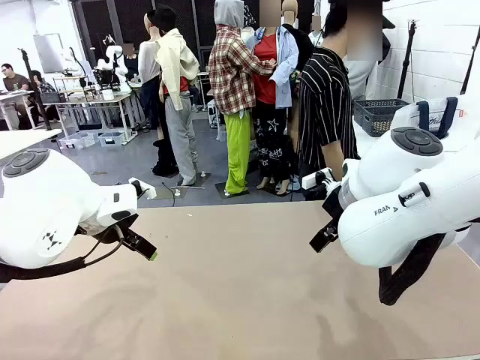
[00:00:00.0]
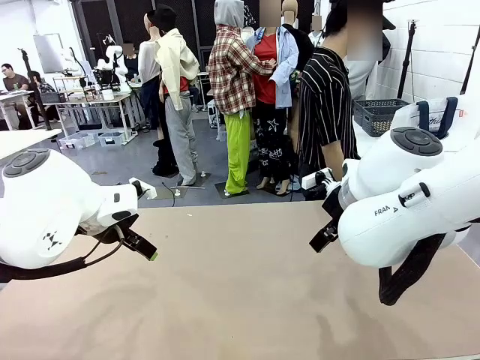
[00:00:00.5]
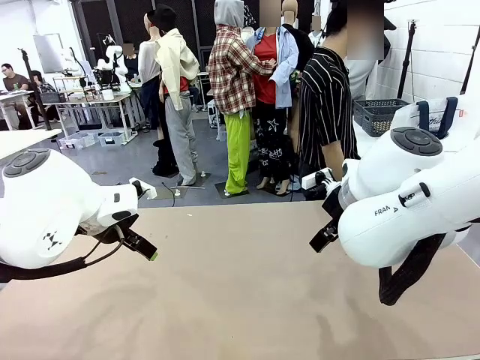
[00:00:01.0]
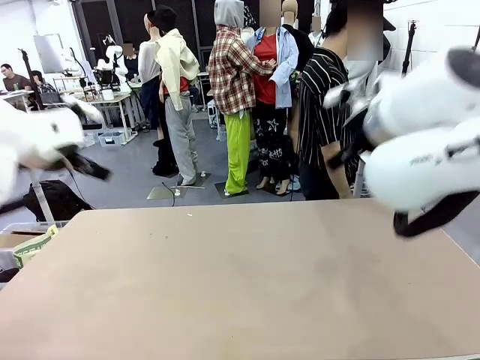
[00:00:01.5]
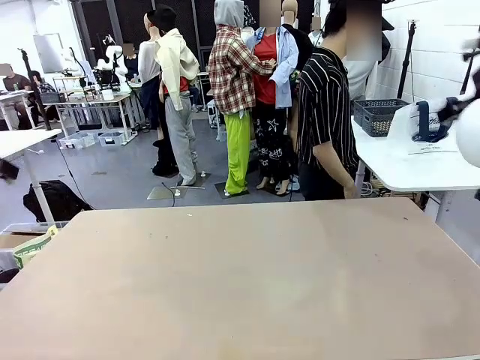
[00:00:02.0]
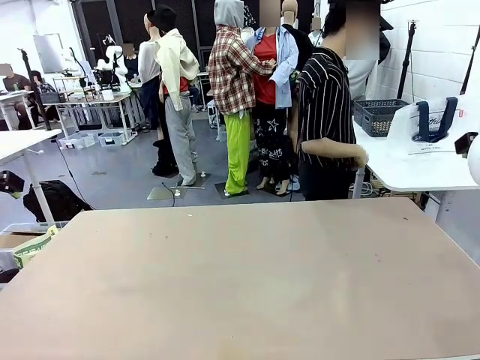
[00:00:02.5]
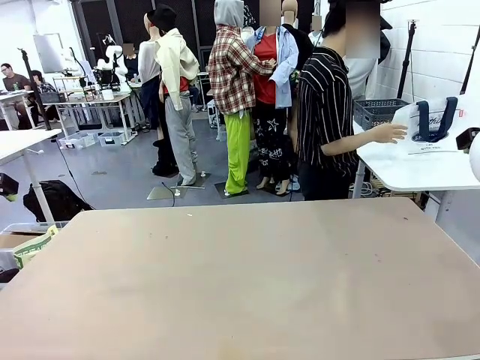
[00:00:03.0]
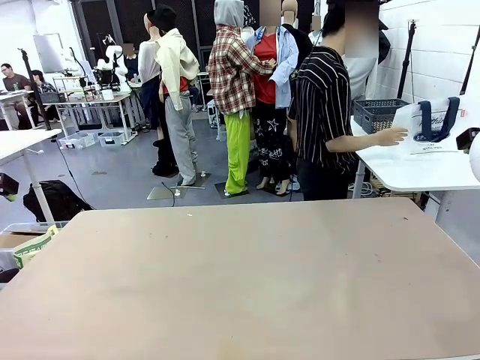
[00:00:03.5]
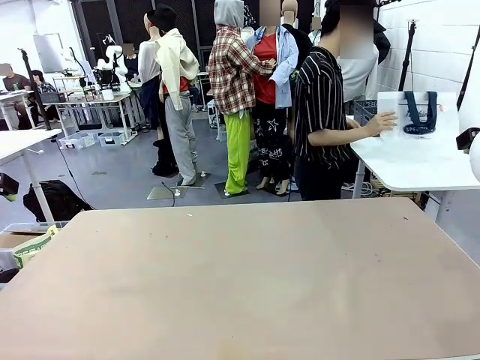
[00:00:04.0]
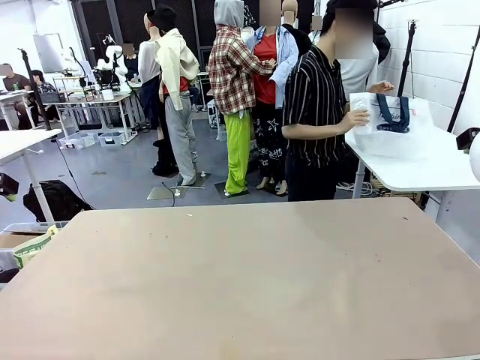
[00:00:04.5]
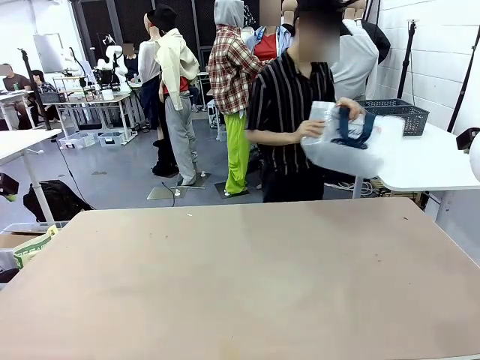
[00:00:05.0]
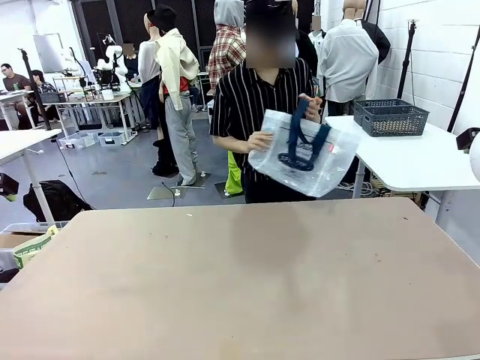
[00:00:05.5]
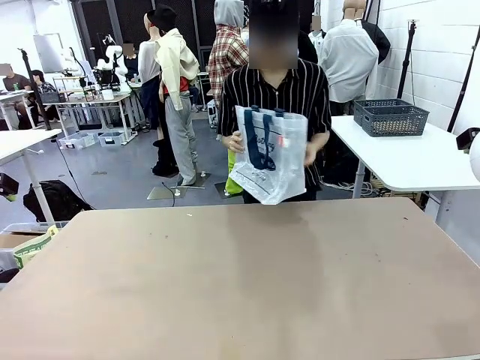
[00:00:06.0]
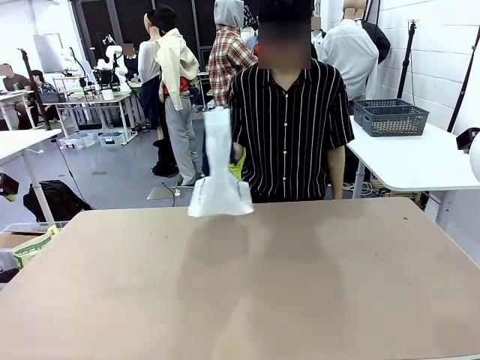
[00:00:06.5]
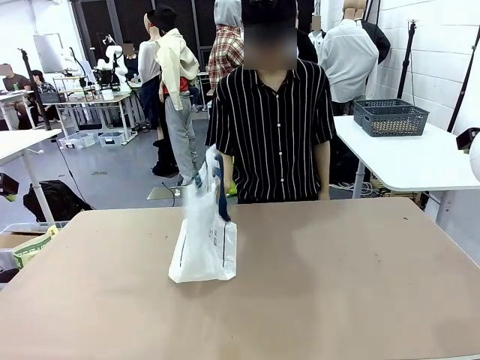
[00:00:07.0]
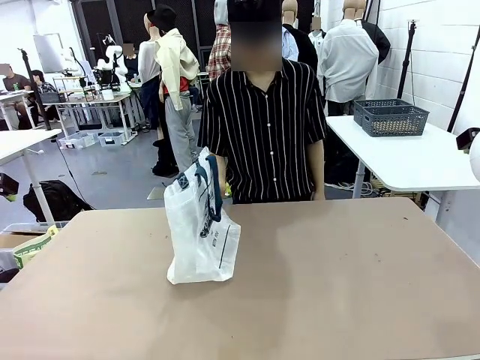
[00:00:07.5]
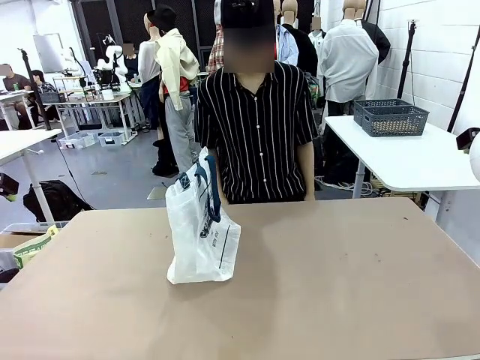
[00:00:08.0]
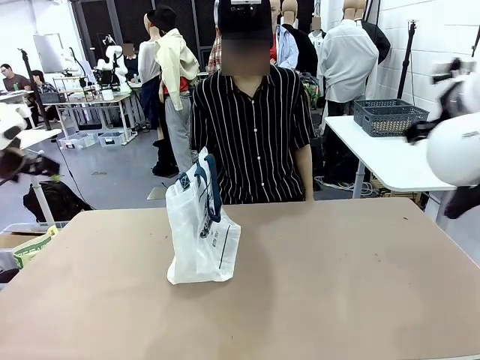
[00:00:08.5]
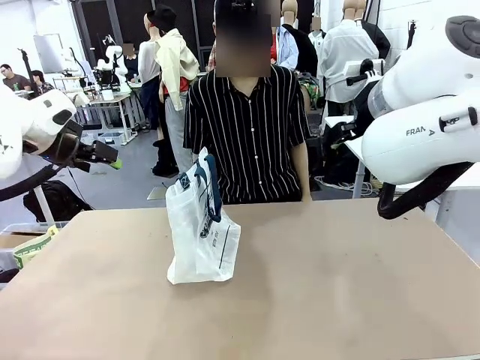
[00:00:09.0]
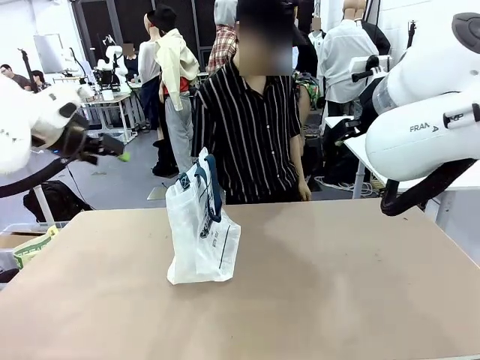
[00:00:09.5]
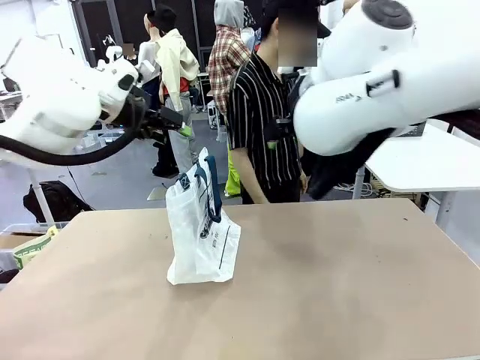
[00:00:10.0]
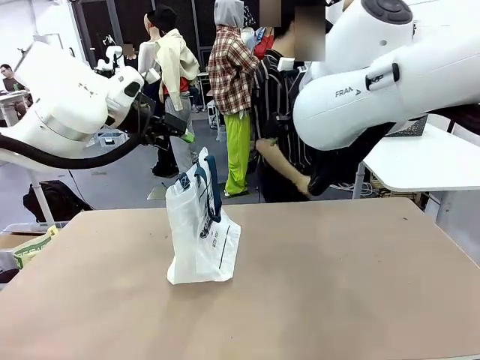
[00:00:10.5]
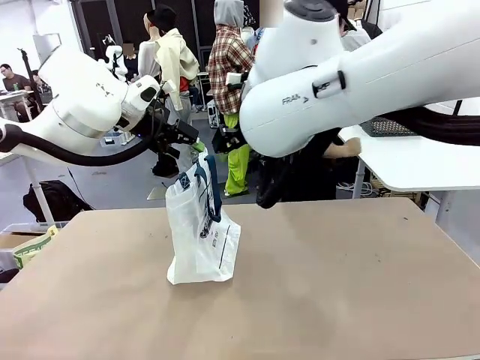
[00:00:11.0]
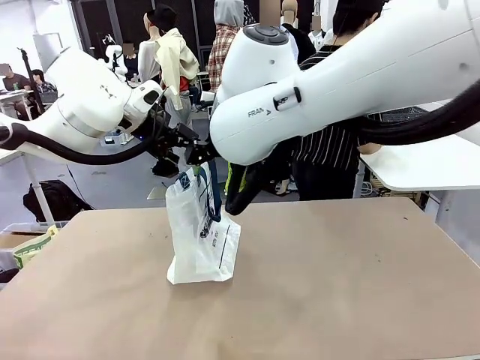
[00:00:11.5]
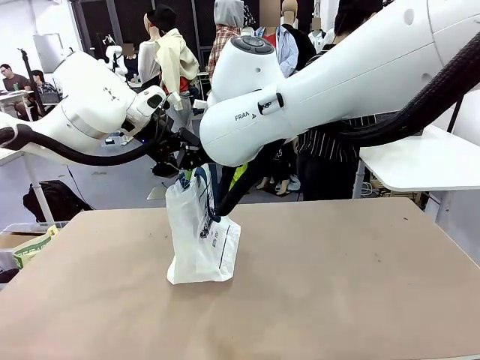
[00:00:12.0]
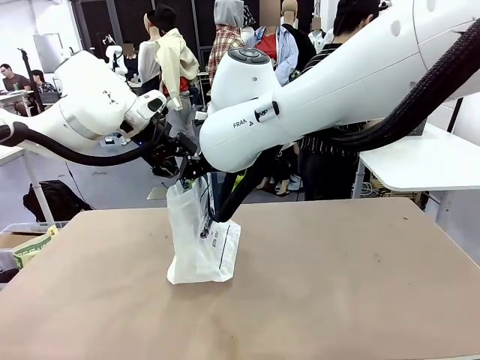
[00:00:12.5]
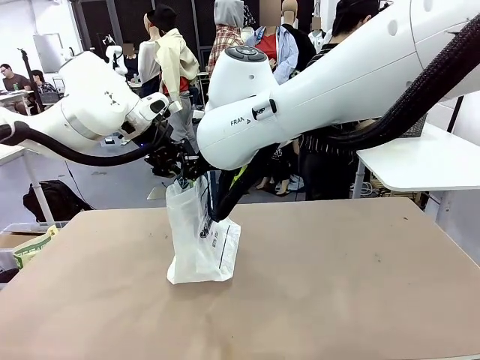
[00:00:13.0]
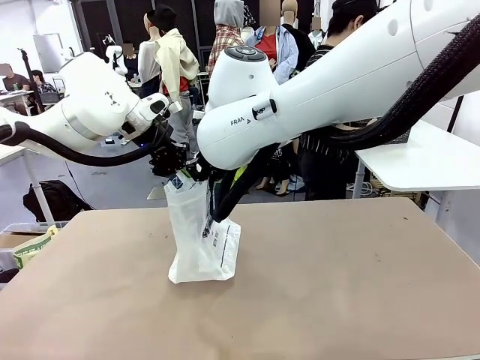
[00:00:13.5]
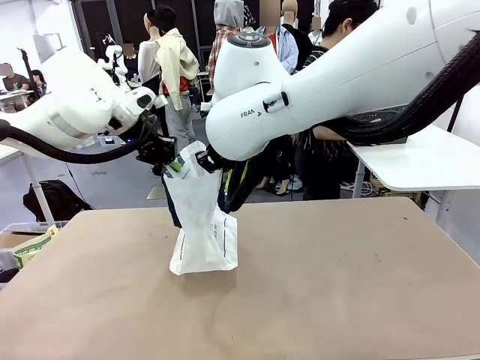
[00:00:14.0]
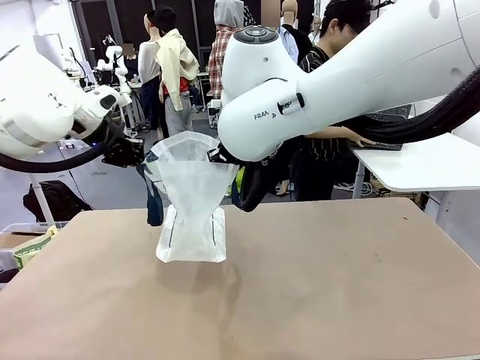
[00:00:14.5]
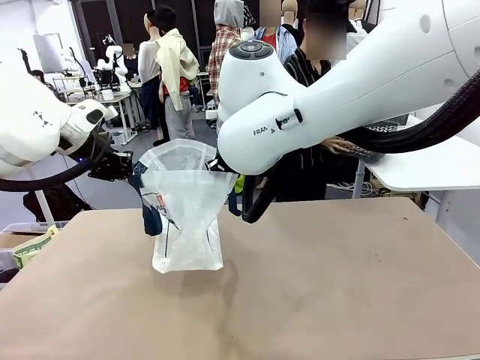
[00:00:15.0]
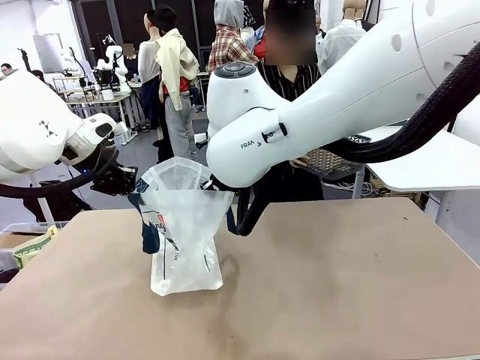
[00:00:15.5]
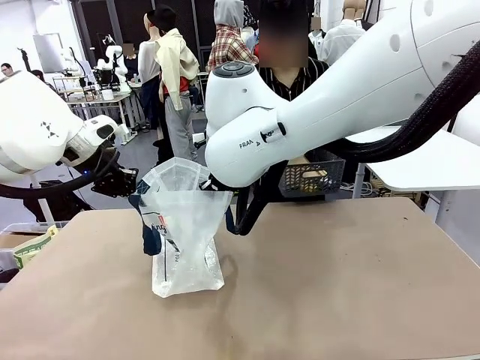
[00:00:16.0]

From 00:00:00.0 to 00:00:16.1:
Task: Transfer purchased items from the store into the shopping bag.
Robot: Open the Reusable shopping bag in the center of the table.
Person: Pick up the shopping bag and place it in the middle of the robot table. Pick up the basket on the right, place it on the left side of the robot table, and move the items in the basket to the shopping bag.

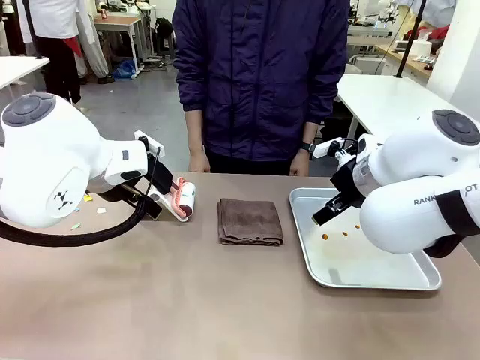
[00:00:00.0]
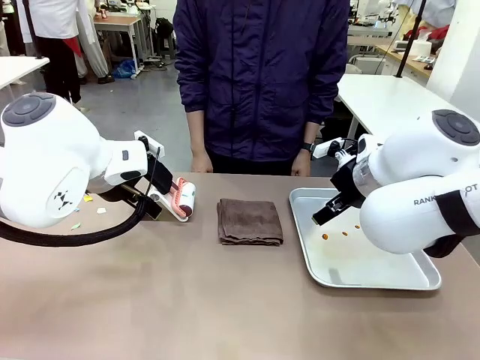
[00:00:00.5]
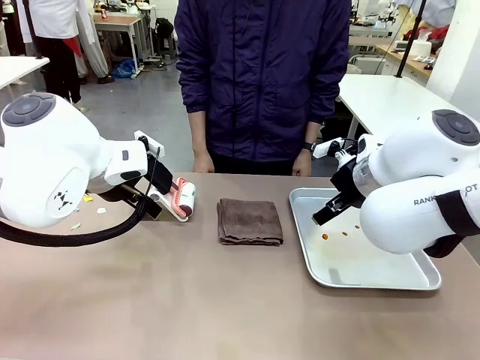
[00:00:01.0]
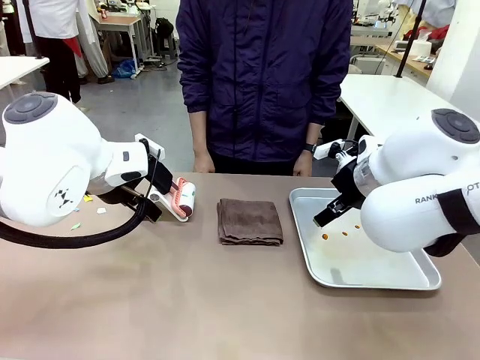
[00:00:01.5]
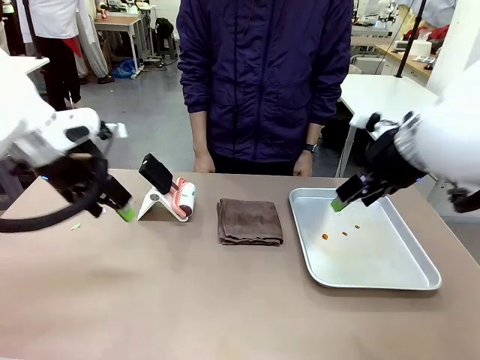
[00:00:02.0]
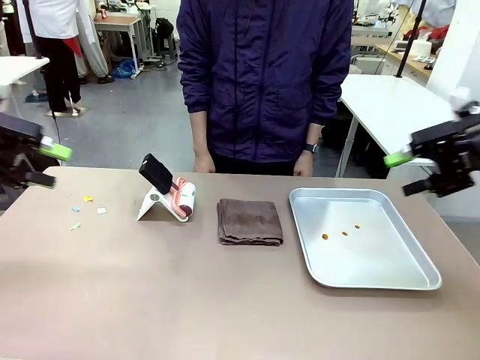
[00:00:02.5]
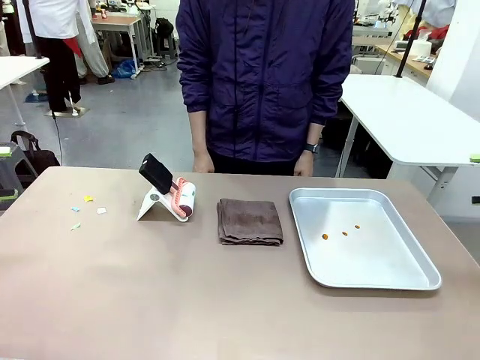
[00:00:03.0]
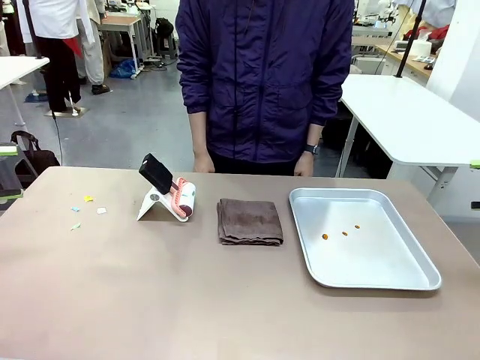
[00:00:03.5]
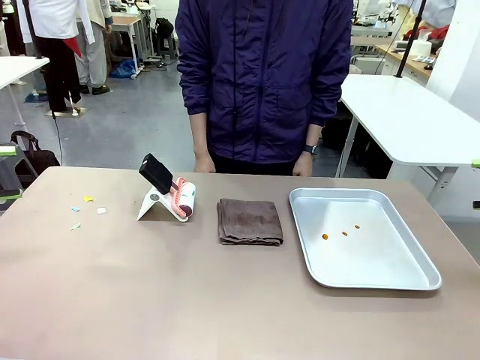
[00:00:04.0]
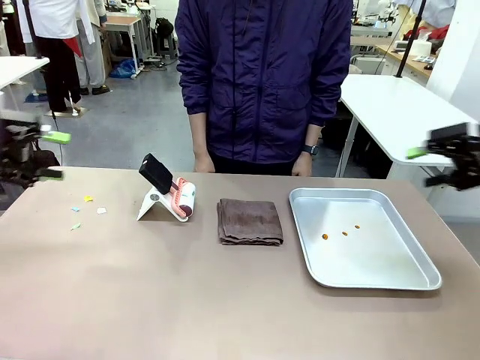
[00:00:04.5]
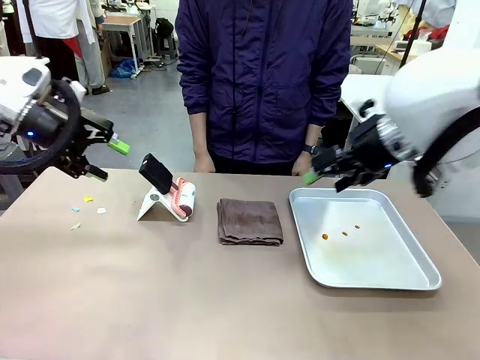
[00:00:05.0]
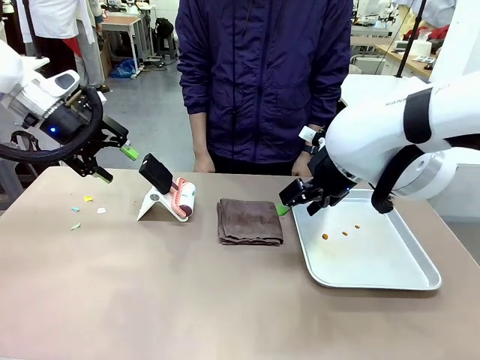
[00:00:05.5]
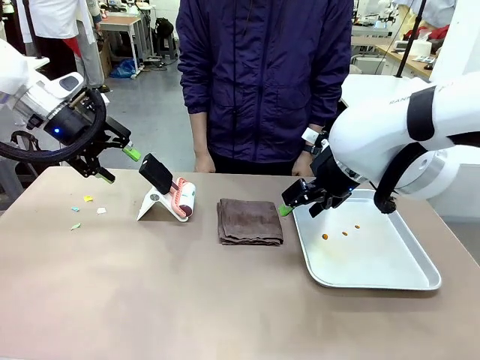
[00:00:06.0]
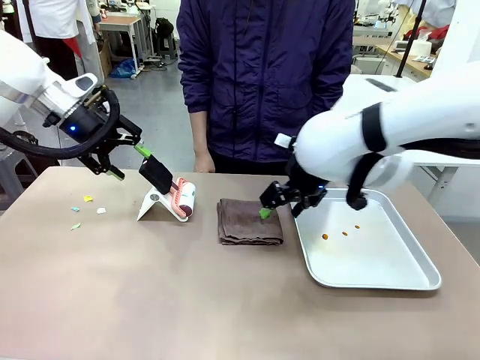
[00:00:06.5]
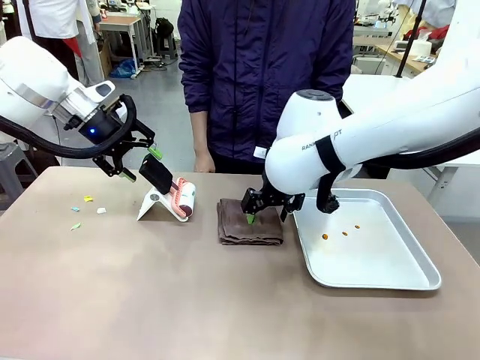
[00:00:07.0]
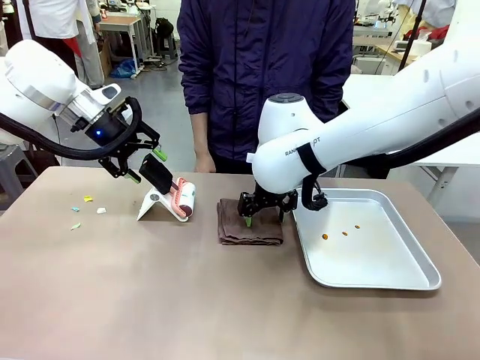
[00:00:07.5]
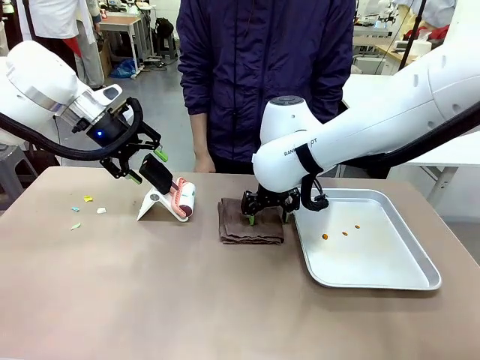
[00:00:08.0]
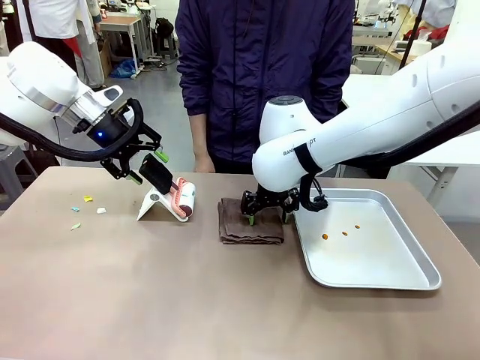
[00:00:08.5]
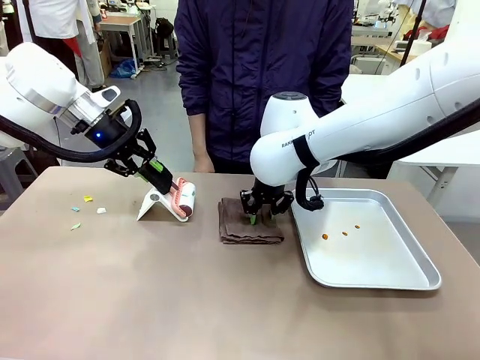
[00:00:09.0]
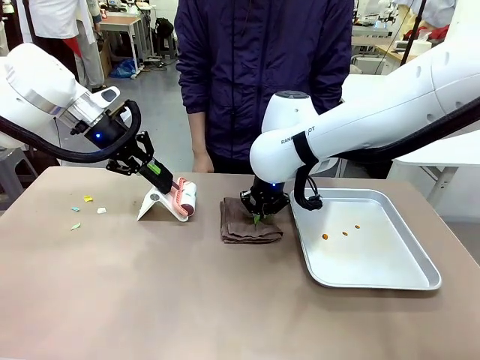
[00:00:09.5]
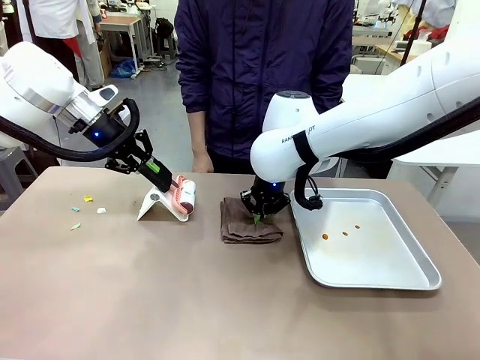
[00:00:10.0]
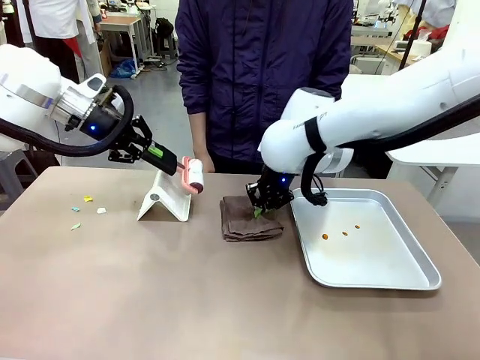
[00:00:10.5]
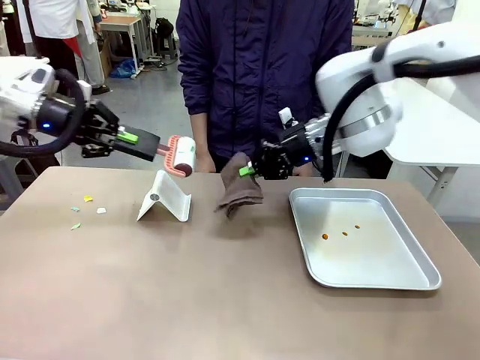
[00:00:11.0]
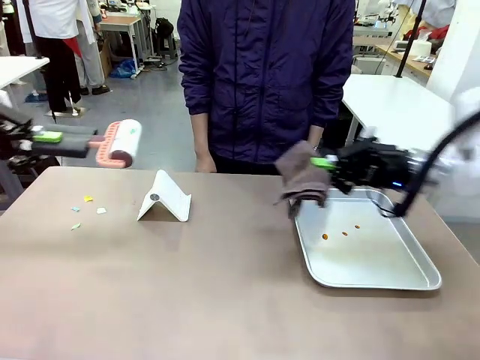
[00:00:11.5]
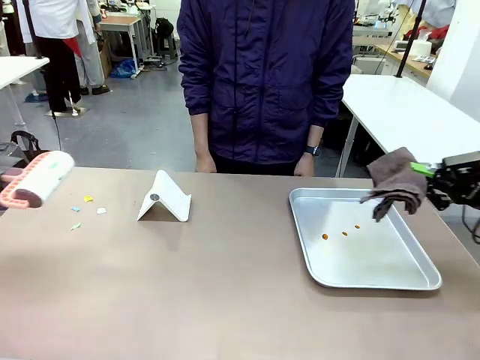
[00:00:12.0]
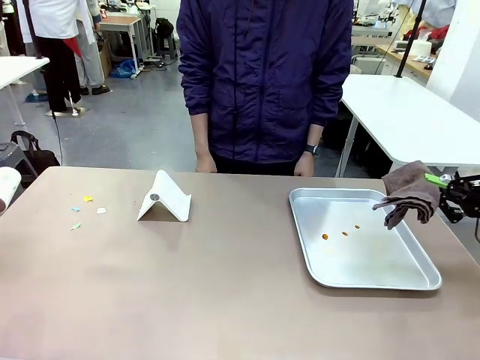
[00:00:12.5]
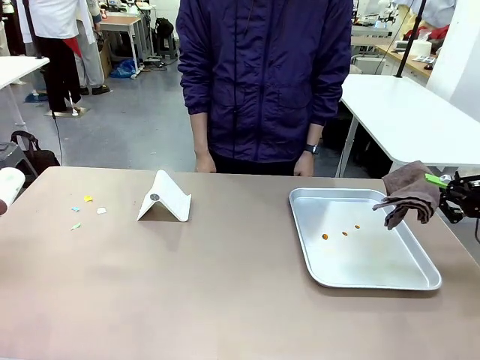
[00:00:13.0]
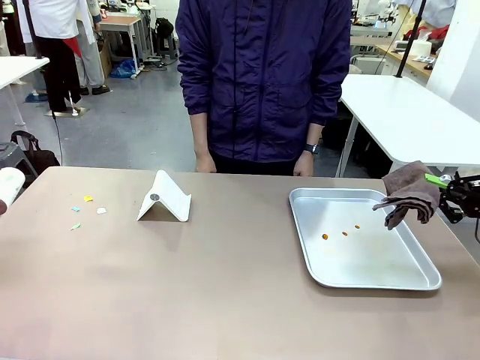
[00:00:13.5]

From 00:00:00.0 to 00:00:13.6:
Task: Clean the surface of the table.
Robot: Hold the Lint Roller with your left hand and the towel with your right hand.
